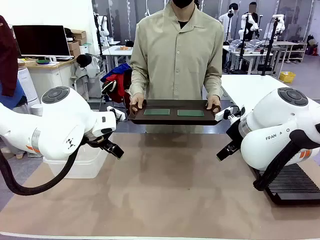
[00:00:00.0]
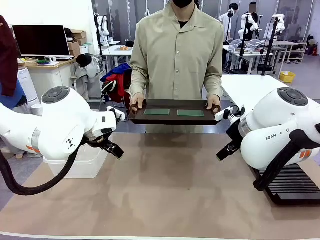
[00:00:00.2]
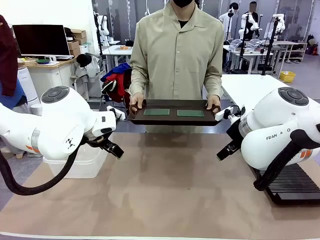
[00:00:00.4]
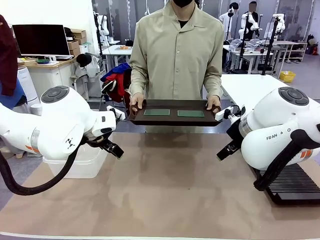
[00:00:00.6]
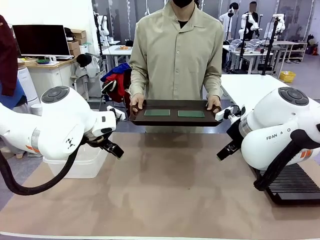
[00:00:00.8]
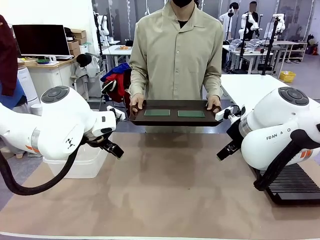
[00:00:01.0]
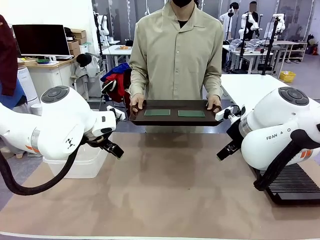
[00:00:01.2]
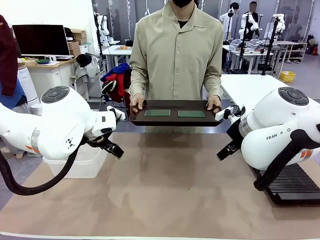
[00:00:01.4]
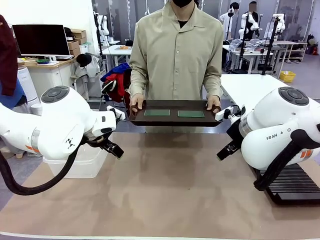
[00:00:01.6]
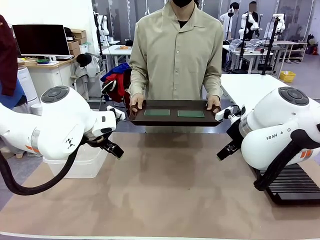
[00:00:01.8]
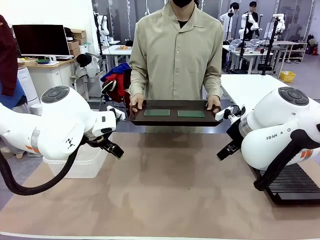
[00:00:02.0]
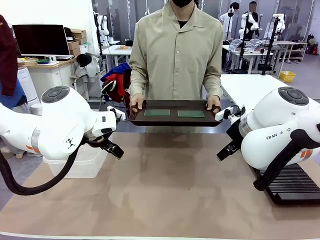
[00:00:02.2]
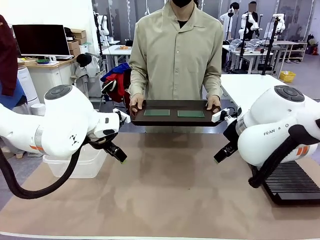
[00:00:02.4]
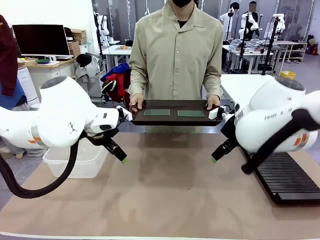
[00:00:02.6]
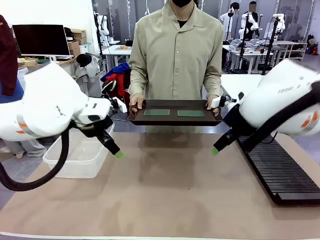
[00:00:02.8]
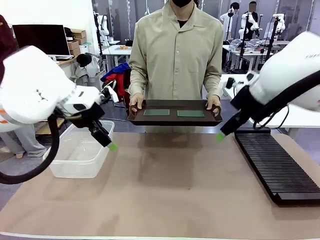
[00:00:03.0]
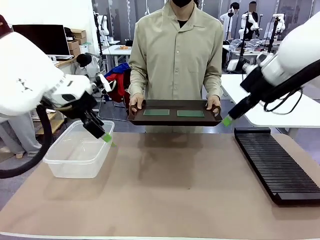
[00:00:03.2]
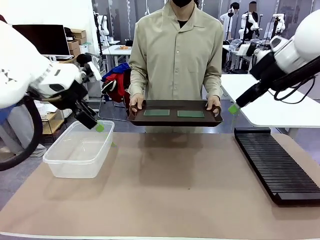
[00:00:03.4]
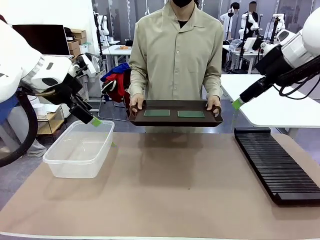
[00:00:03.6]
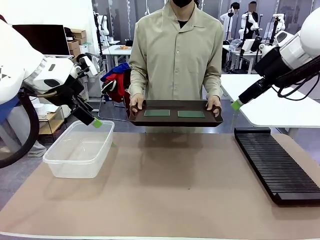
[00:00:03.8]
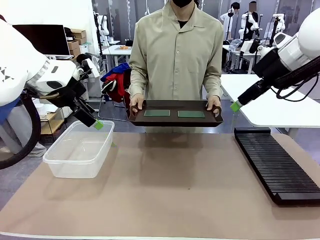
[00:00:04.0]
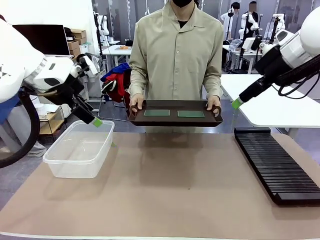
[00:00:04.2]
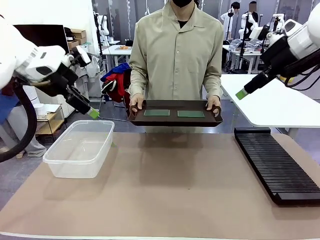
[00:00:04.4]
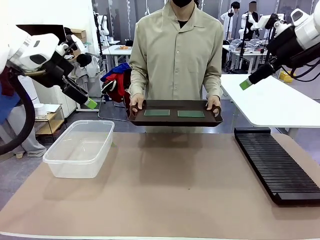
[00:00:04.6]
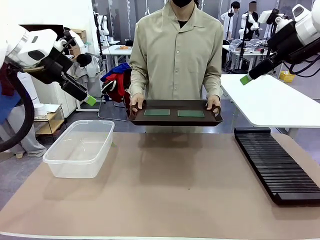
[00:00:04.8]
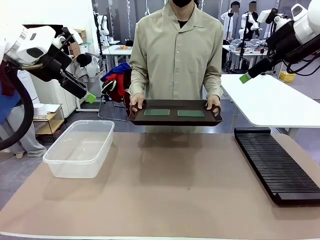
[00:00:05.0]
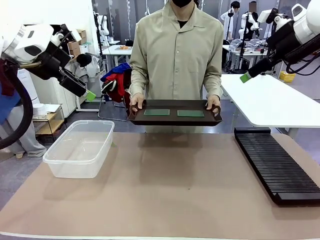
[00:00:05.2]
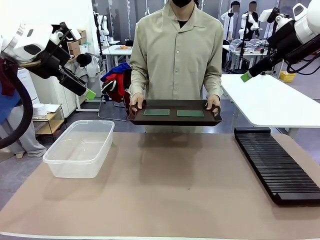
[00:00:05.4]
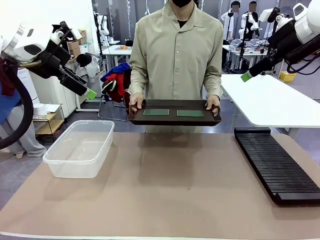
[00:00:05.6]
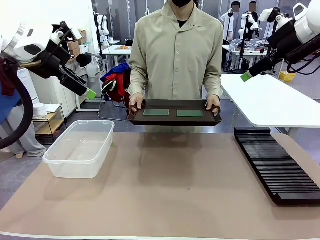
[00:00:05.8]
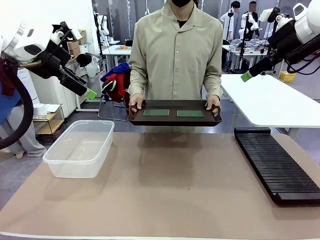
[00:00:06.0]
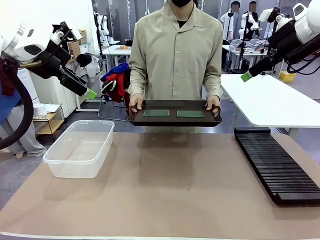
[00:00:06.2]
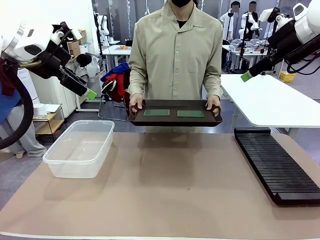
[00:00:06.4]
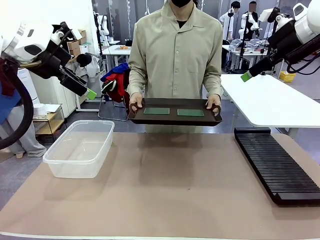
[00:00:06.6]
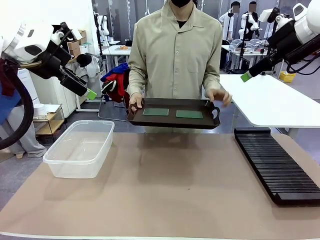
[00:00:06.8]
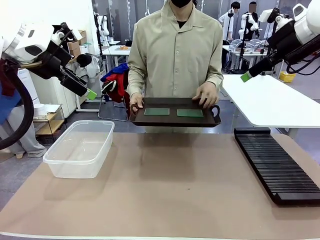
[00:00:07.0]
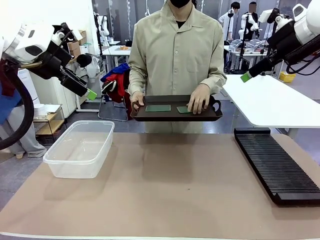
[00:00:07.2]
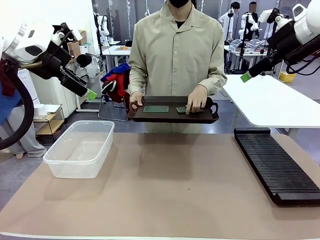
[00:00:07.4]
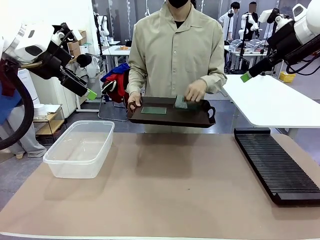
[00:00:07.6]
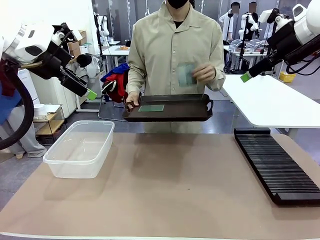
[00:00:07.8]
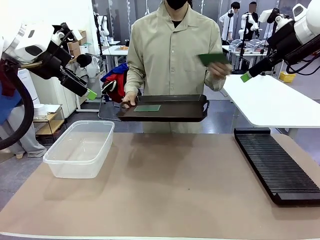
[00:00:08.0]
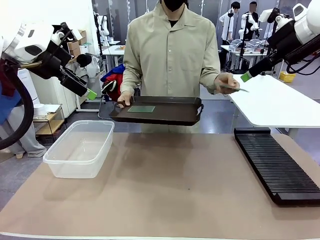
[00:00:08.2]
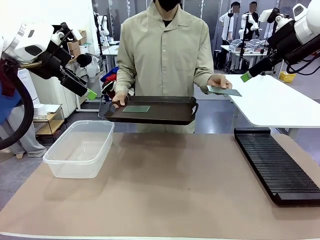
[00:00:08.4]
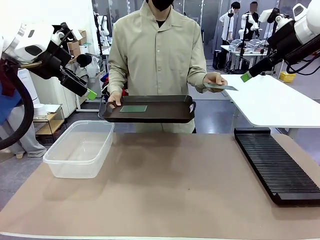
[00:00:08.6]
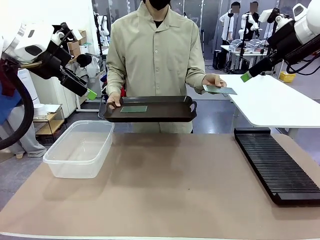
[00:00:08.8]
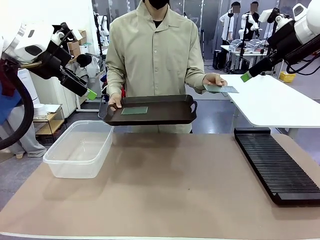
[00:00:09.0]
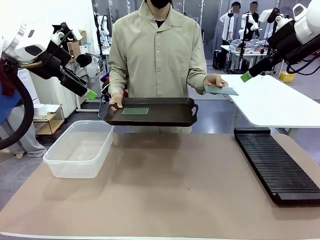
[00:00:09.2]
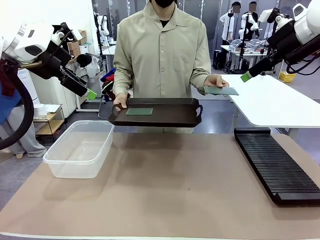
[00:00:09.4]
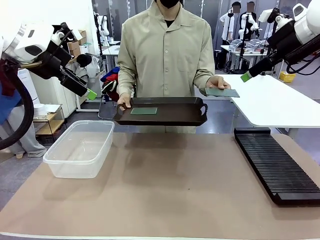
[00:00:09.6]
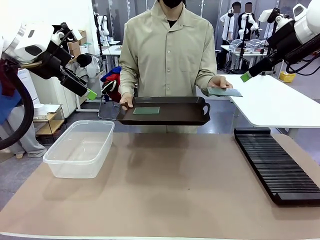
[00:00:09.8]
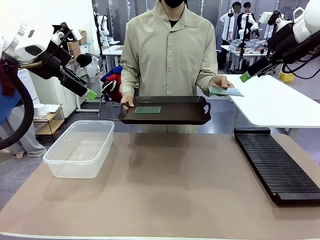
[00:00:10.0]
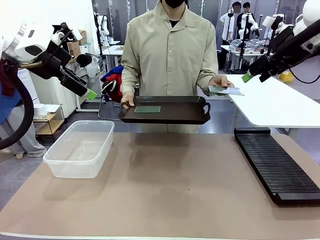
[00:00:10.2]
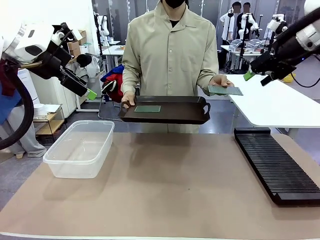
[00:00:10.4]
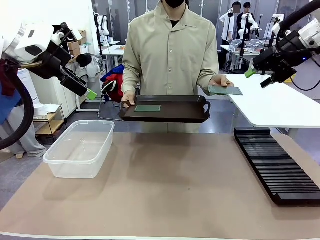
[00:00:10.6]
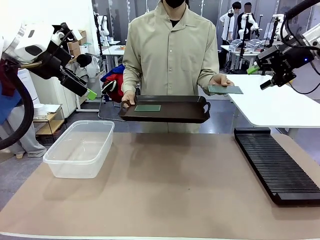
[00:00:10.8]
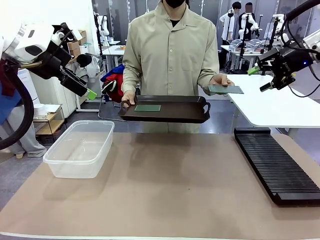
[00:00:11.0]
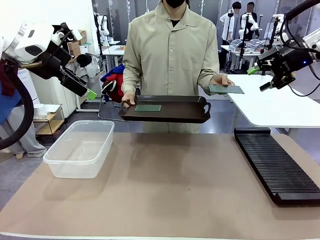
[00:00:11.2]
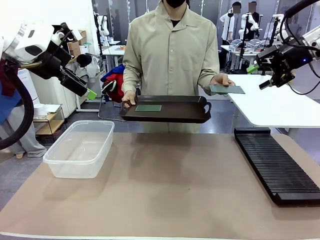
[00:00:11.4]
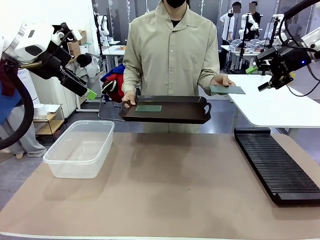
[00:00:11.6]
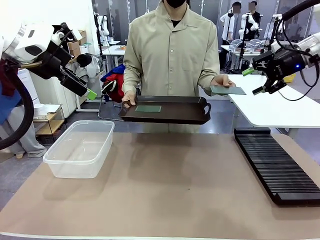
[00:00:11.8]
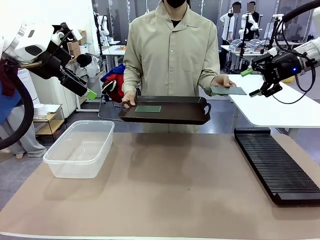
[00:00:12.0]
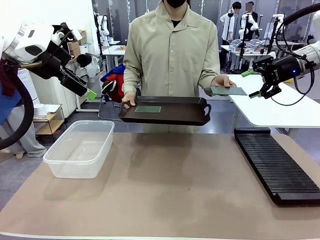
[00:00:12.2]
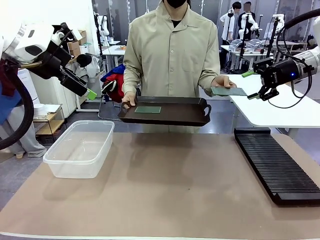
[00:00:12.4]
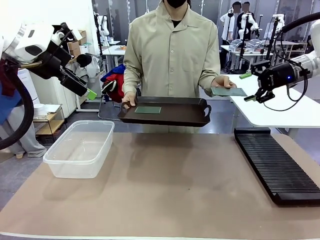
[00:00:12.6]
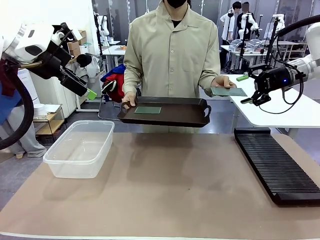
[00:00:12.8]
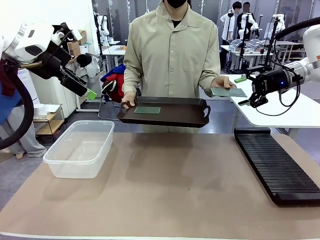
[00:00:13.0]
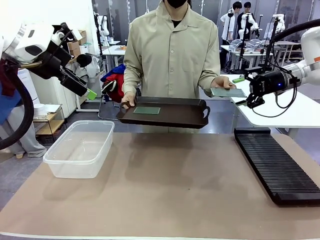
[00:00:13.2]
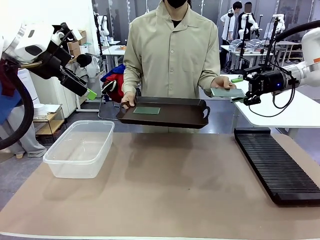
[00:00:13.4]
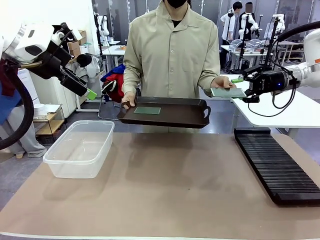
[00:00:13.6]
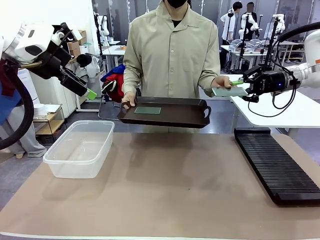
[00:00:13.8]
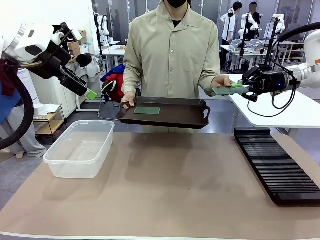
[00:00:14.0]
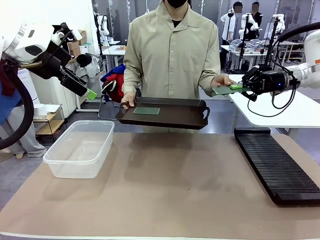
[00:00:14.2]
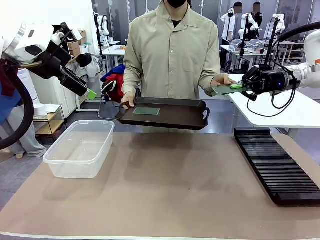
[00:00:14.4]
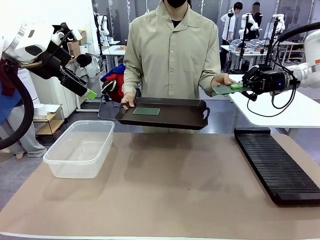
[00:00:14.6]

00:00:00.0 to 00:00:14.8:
Task: Sort PCBs into racks and boxes based on the side picked up.
Robot: Pick up the Blank PCB handed by the Human.
Person: Pick one PCB from the tray and present it to the robot. Release the PCB being held.

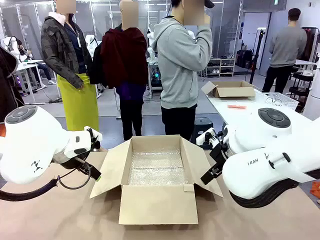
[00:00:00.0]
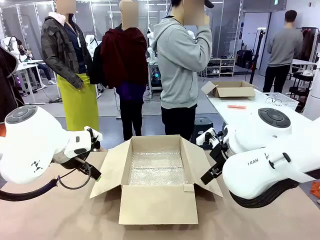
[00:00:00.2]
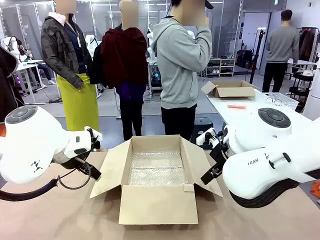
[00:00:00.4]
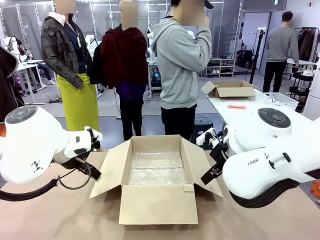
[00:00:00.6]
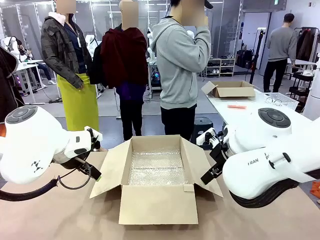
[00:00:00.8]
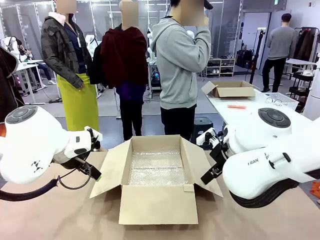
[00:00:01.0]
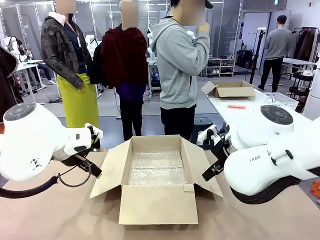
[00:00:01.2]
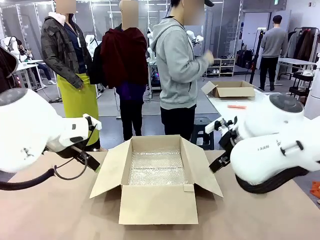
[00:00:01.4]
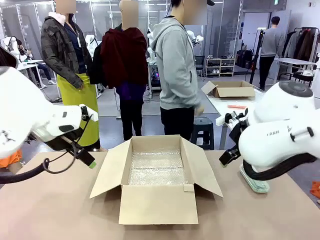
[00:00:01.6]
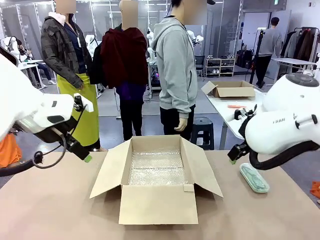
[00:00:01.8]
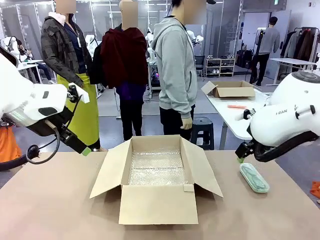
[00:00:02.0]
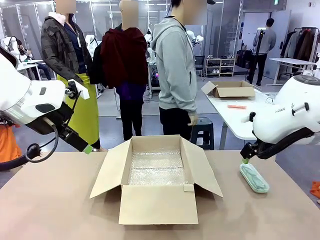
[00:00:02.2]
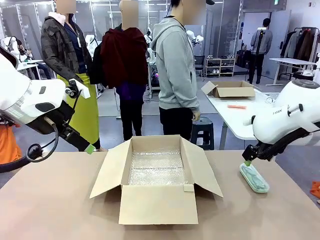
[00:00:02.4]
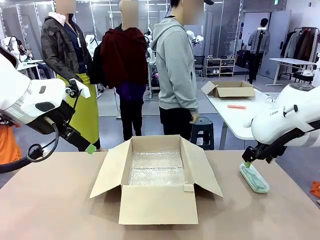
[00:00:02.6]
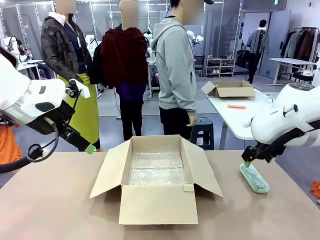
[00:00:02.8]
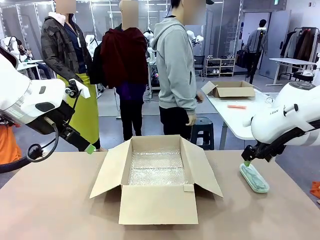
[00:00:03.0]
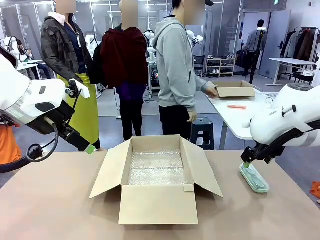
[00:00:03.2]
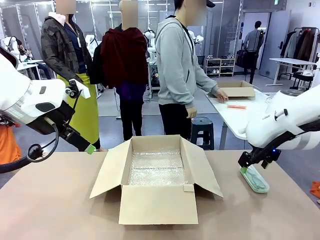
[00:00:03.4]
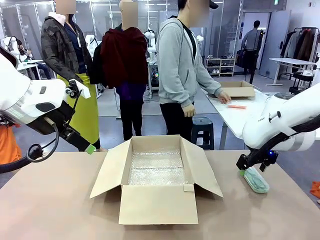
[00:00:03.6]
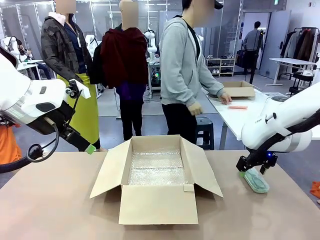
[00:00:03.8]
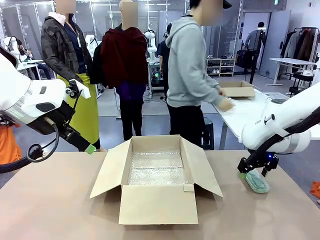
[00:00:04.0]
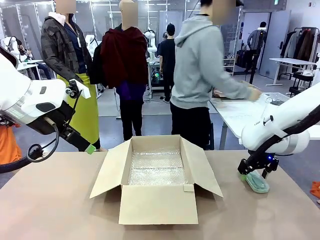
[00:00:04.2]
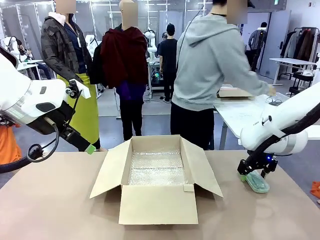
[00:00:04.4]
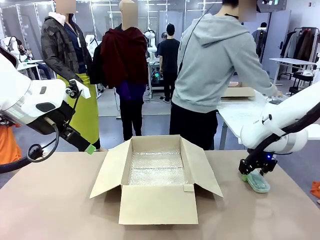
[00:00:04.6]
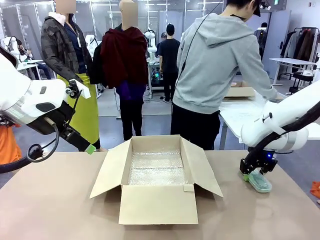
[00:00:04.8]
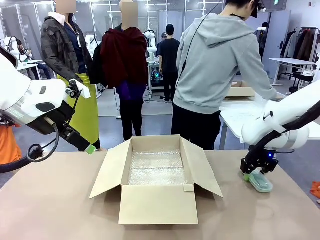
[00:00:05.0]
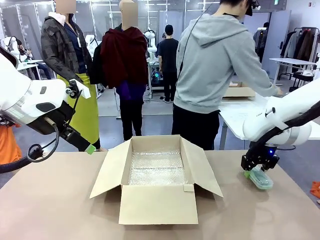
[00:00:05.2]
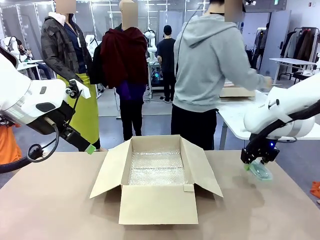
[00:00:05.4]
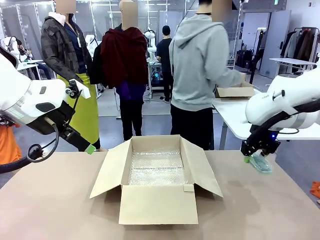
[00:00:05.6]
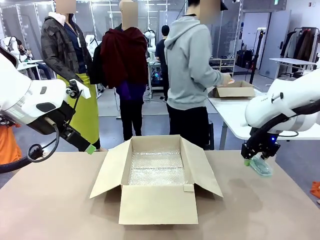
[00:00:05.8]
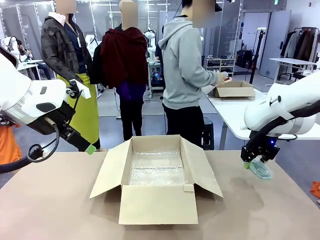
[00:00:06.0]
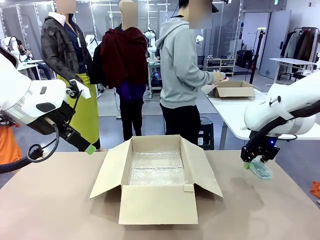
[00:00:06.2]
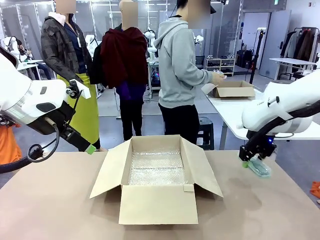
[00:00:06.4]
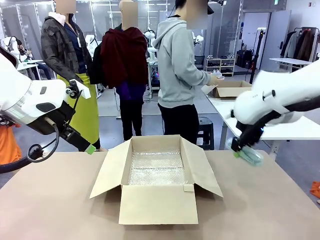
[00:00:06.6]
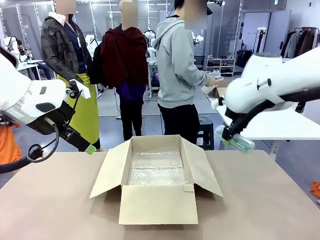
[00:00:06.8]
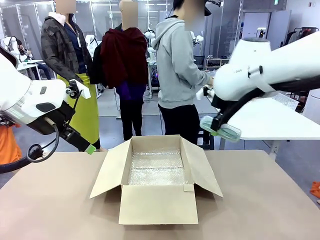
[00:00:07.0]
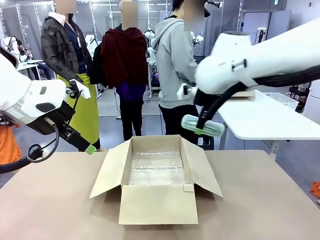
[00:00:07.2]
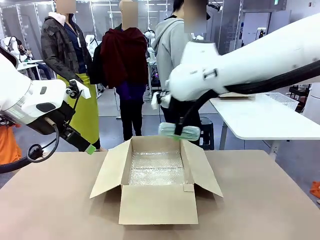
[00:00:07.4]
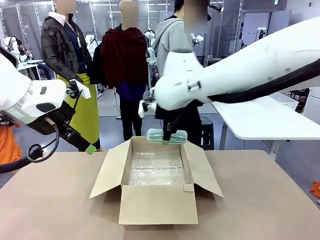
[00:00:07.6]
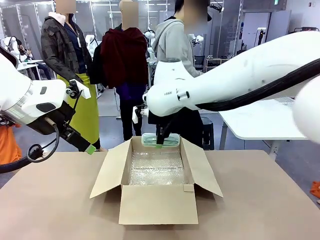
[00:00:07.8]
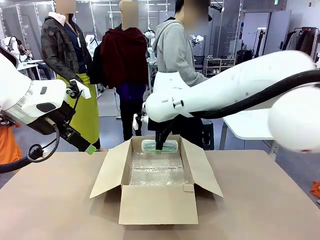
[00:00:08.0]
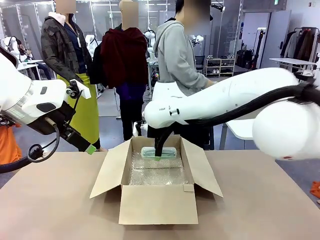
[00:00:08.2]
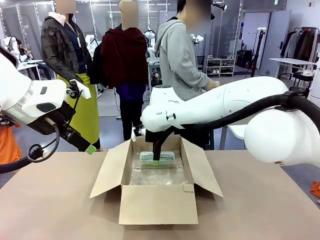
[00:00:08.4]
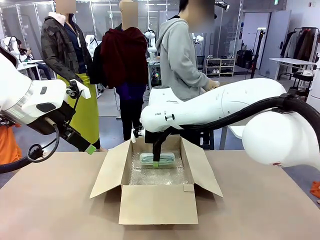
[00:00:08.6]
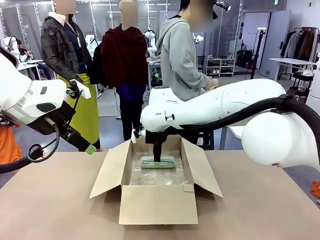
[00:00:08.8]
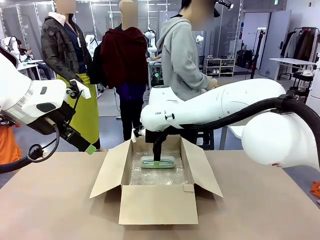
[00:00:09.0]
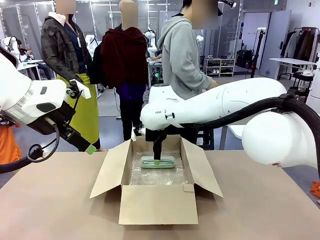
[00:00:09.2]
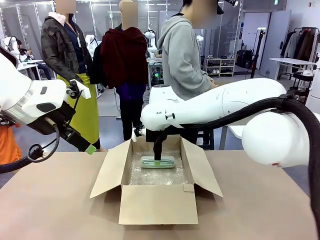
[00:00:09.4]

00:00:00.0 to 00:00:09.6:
Task: Pack the glasses set securely to prepare it for shipping.
Robot: Place the Glasses case inside the Package Box.
Person: Place the Glasses inside the Glasses case.
